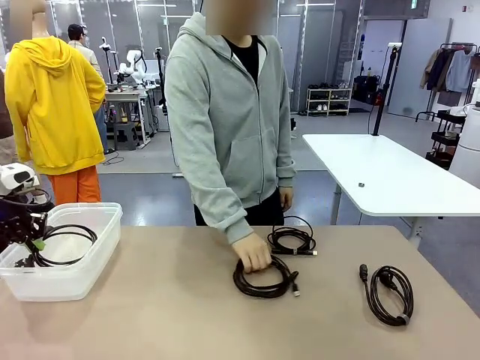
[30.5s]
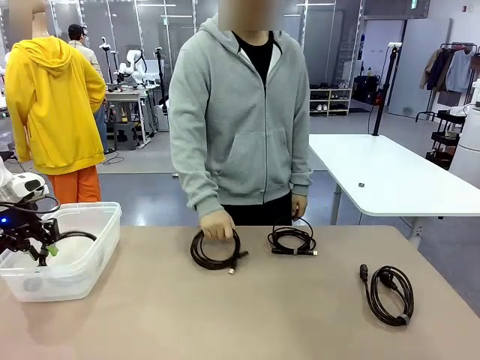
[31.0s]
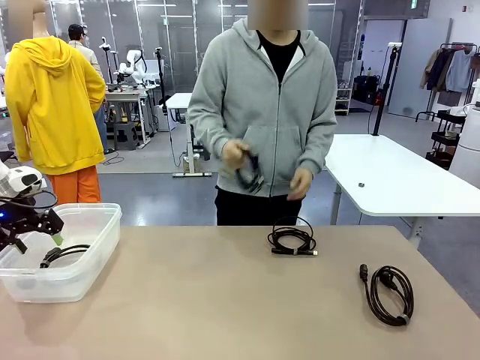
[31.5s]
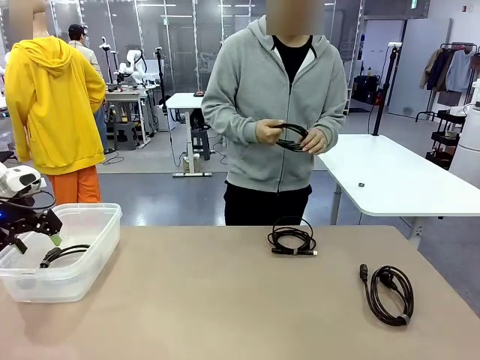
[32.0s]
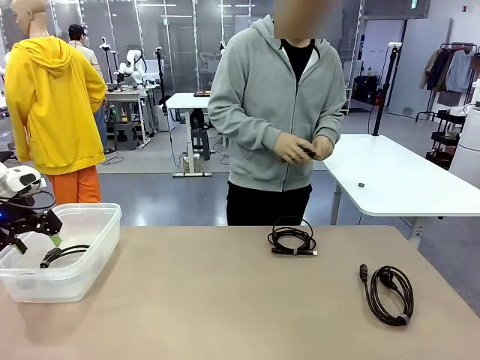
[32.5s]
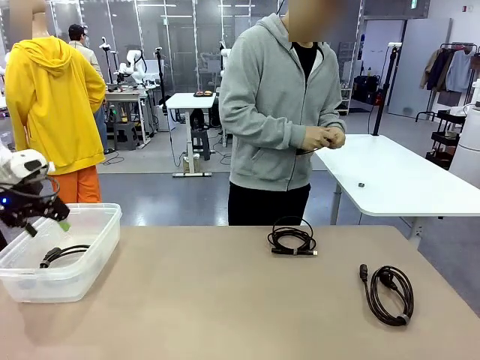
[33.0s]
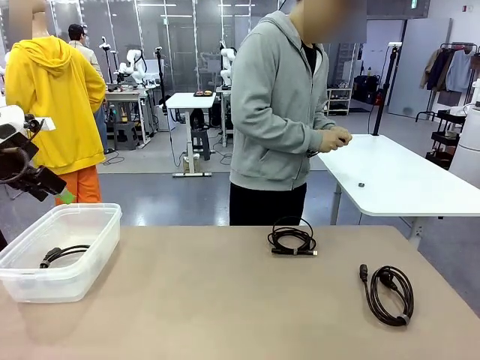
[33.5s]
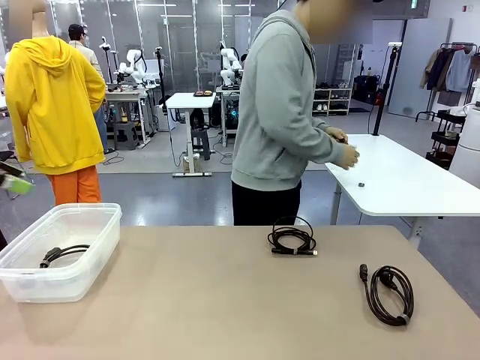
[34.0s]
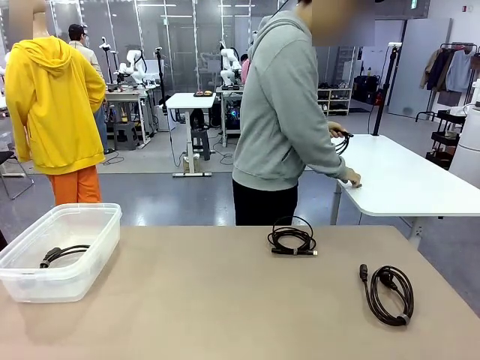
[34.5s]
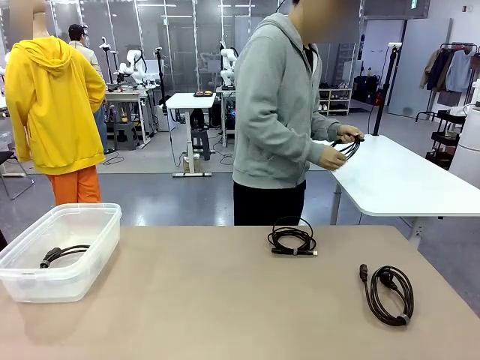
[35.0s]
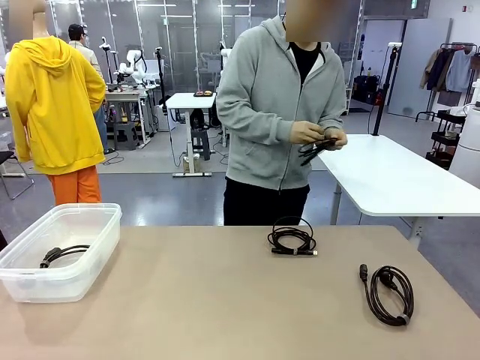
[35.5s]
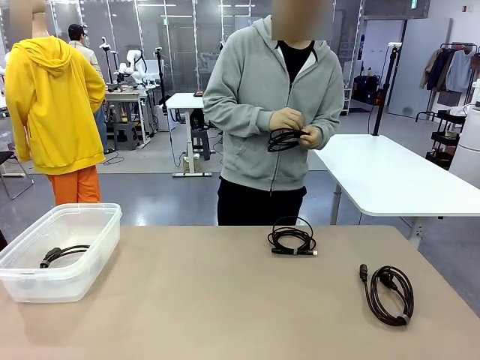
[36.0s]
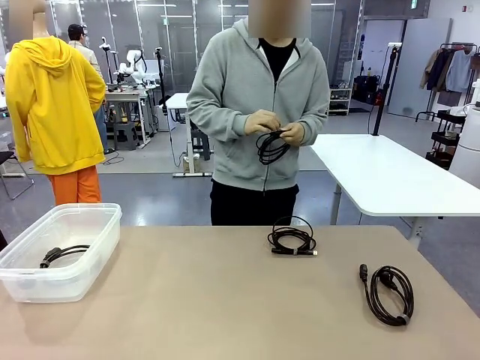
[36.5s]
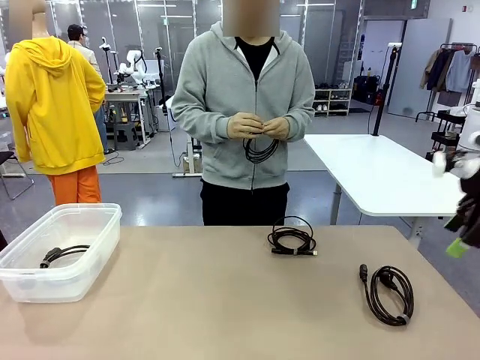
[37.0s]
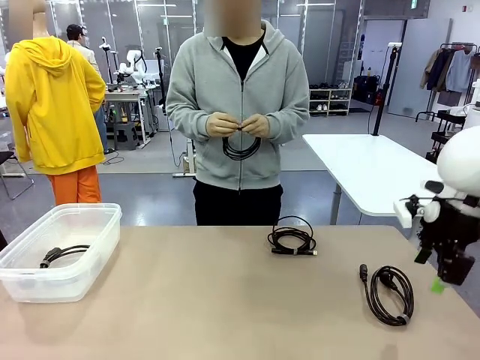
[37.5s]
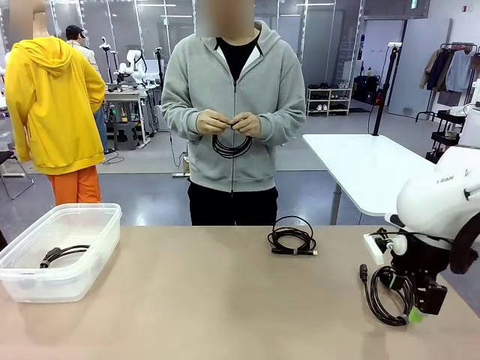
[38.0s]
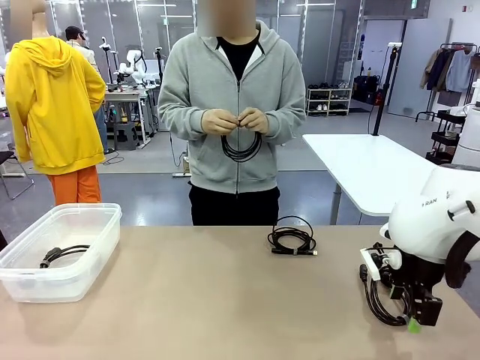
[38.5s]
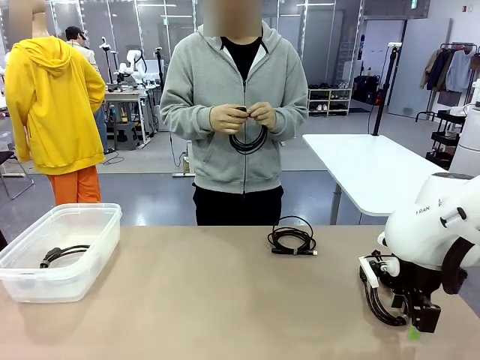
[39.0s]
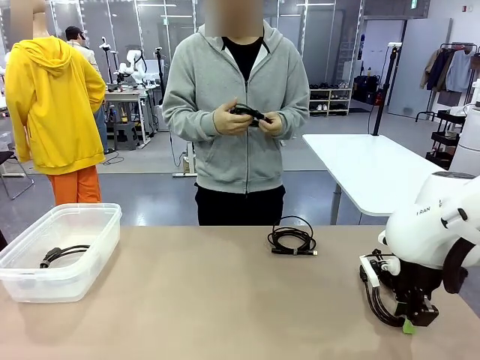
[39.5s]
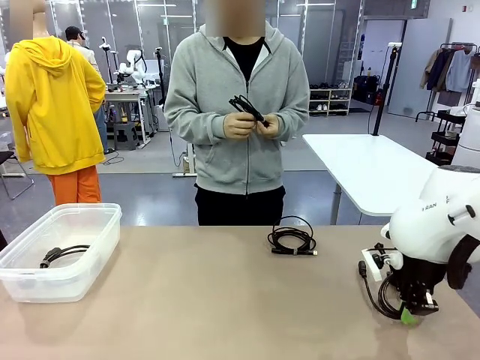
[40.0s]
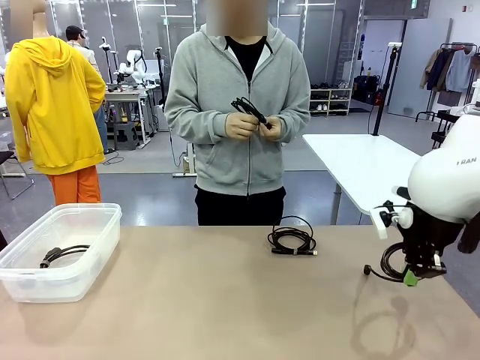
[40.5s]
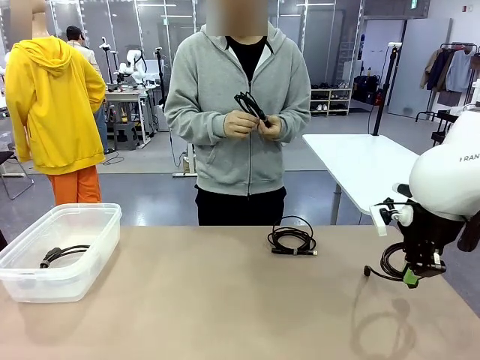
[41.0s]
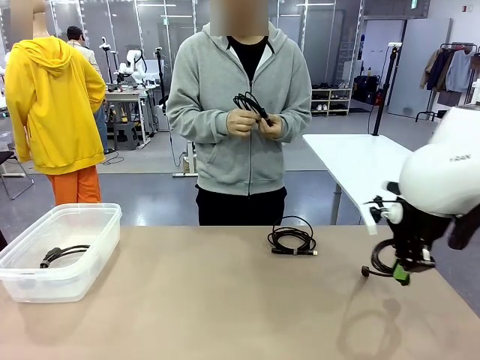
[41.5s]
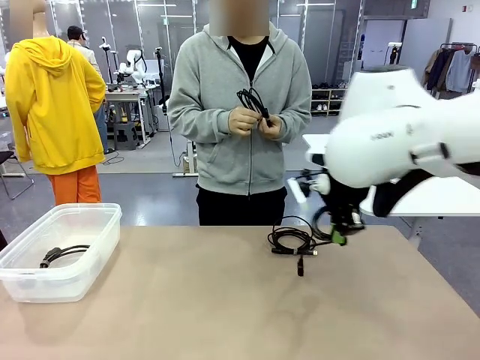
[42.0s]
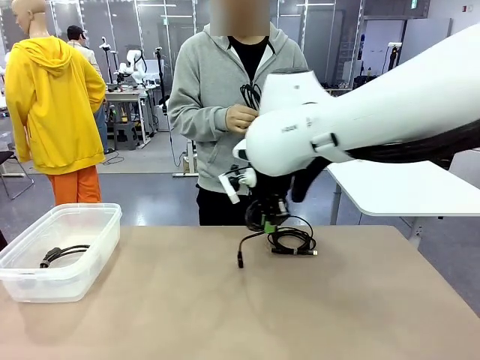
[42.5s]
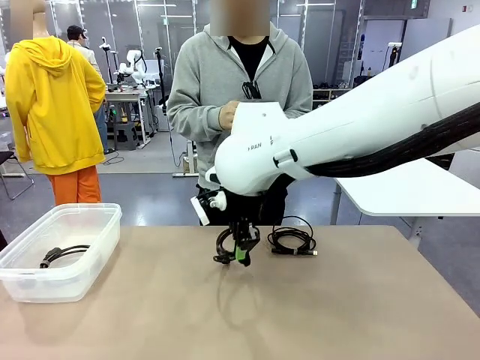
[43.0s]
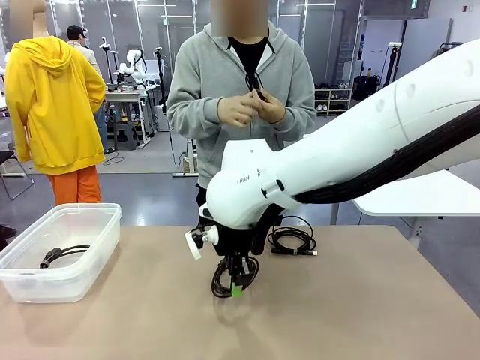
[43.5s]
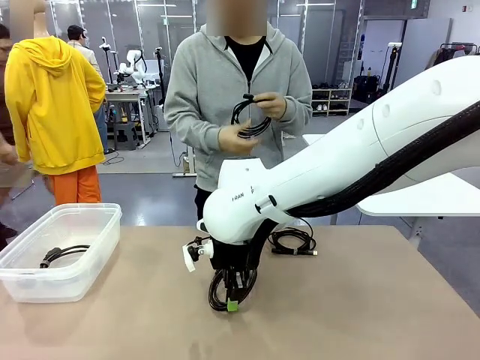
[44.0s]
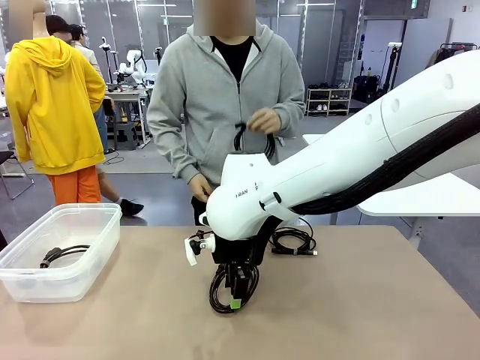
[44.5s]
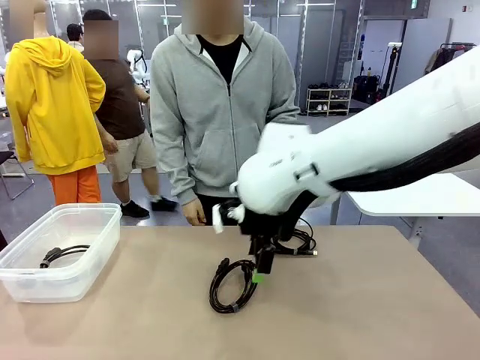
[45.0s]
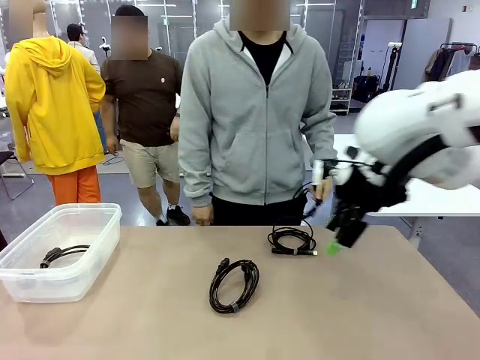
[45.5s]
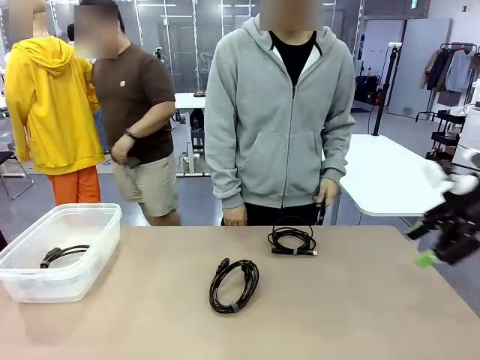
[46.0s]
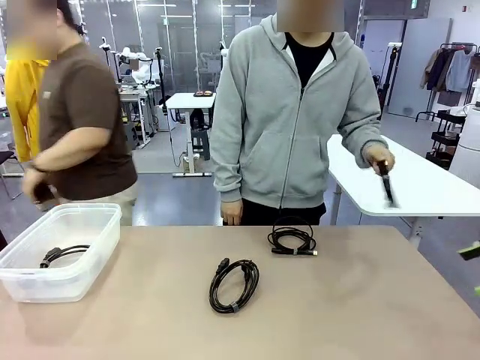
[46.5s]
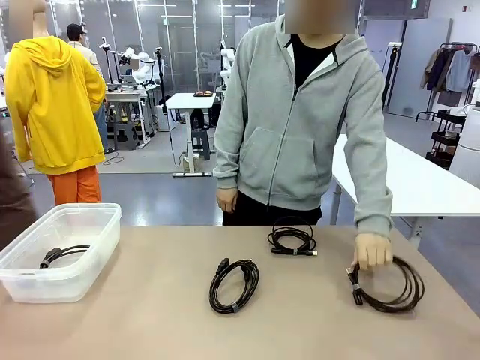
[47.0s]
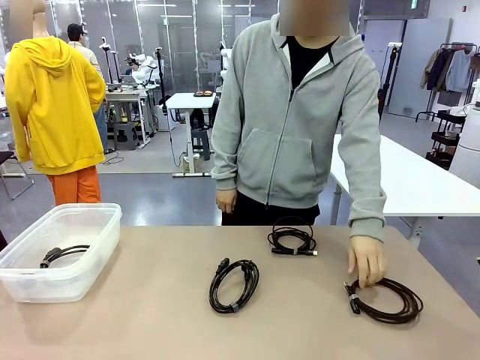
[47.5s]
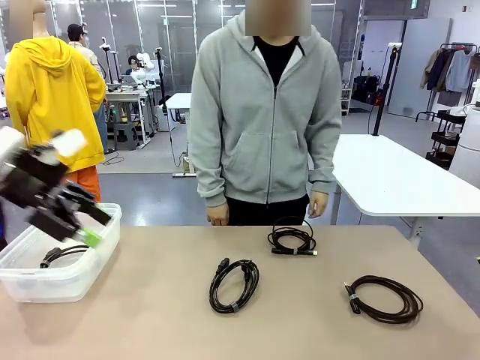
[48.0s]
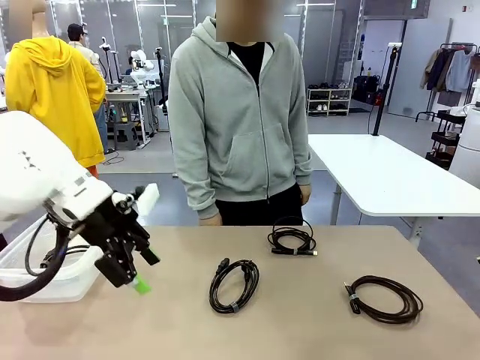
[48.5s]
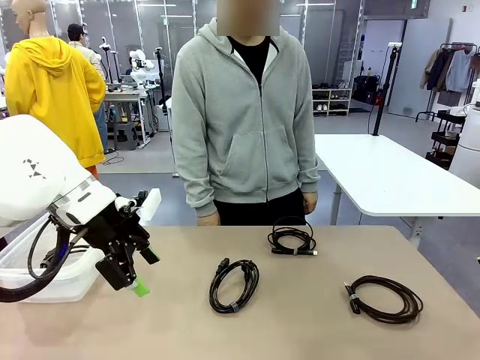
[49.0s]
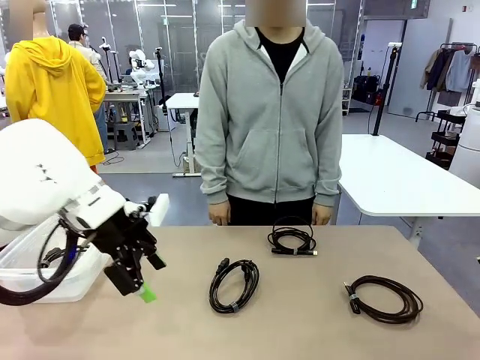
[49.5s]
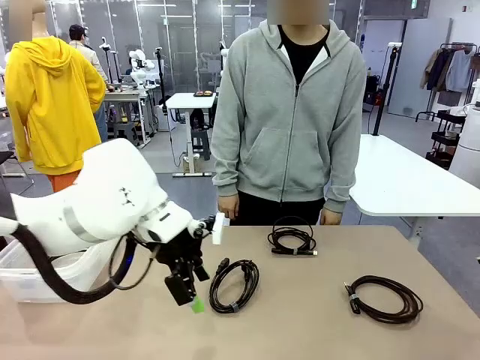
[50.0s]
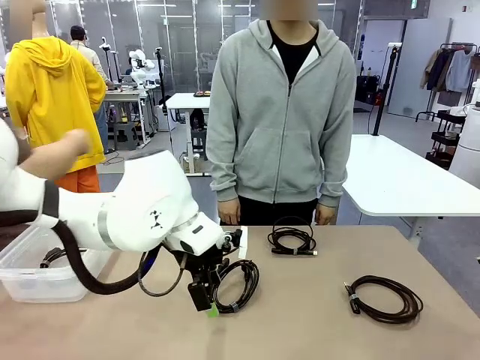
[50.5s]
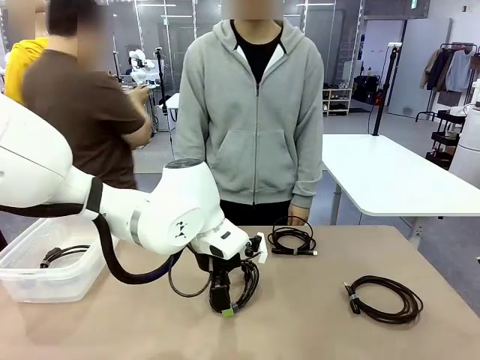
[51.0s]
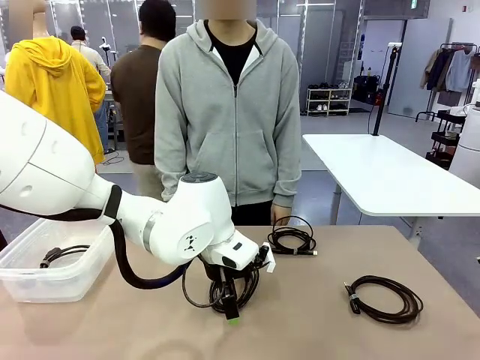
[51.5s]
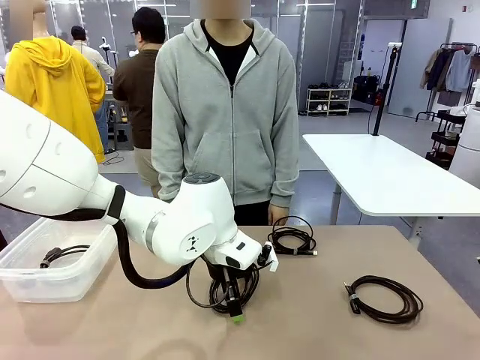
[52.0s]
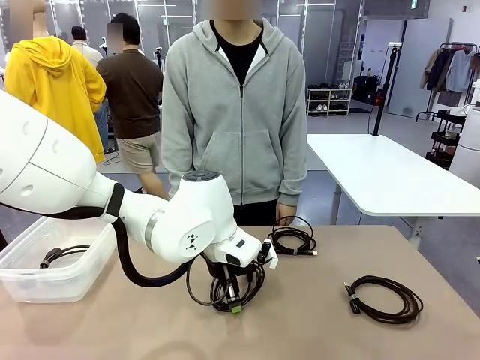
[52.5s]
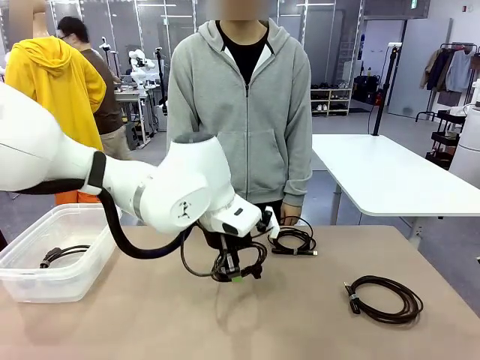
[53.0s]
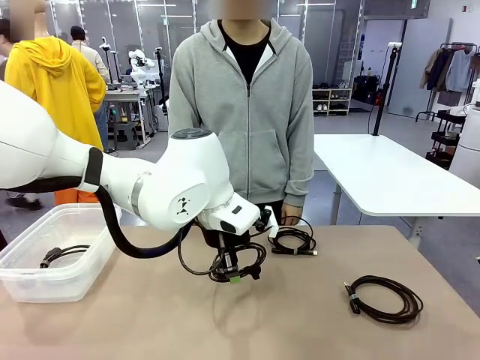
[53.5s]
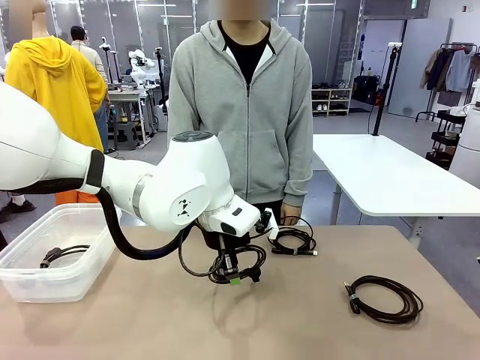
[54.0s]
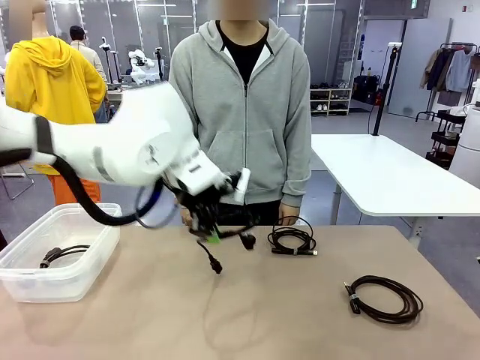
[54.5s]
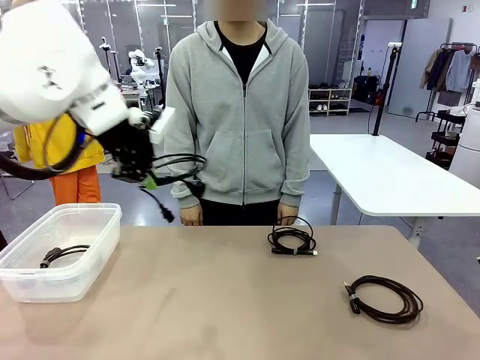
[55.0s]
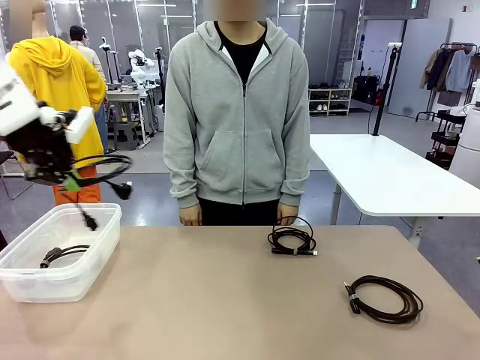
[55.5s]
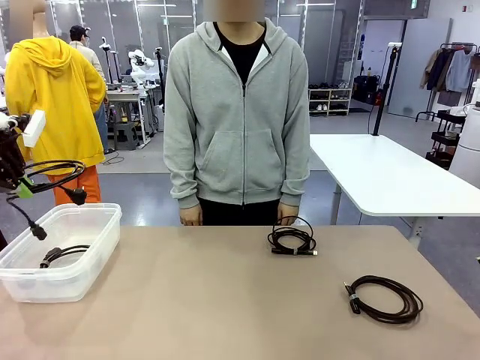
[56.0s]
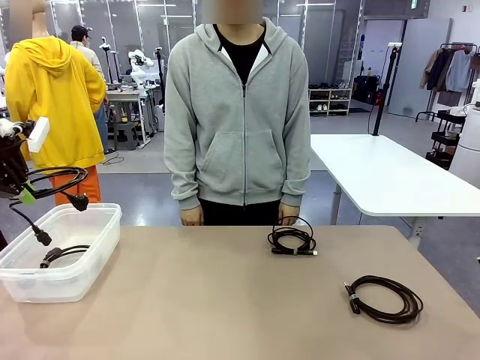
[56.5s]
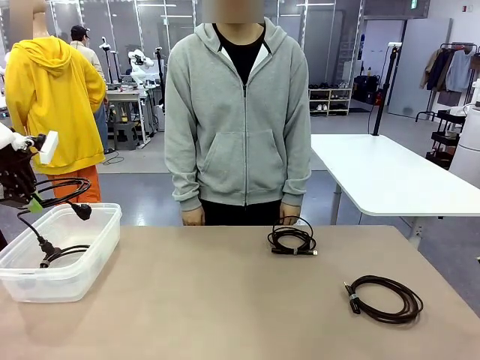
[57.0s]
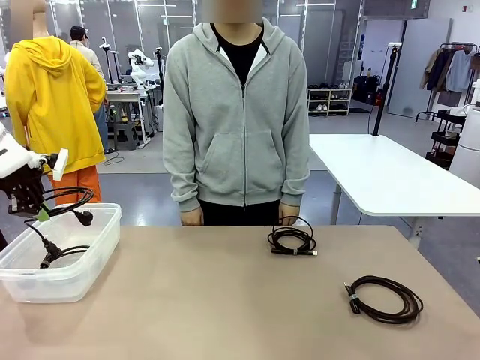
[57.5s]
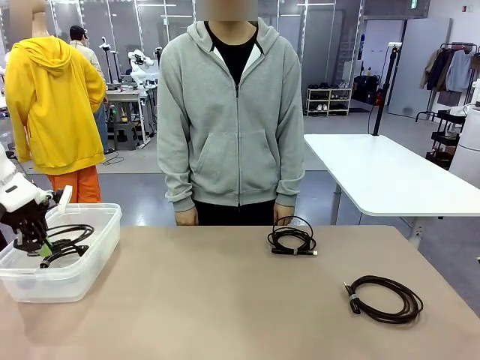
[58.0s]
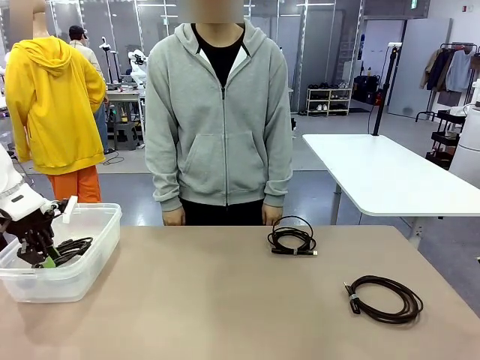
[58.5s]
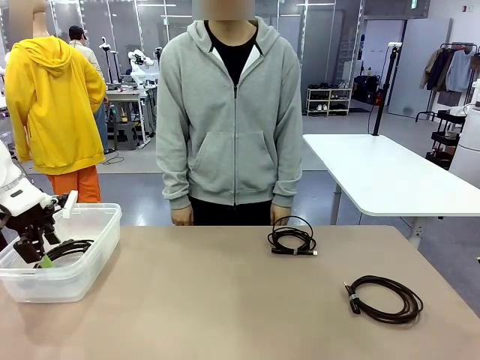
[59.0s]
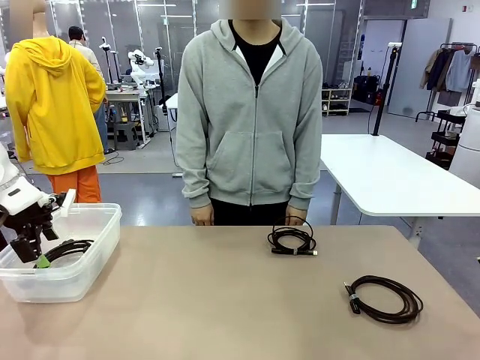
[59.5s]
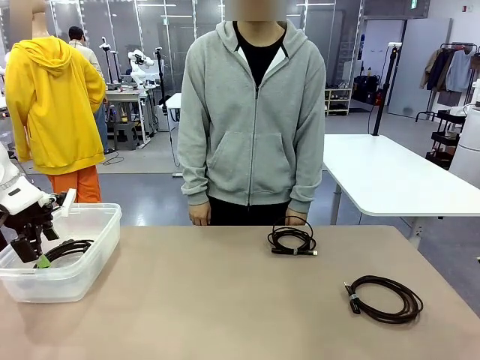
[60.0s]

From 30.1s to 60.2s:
Task: Organize and store the cables.
Robot: Place the Power Cable into the Organizing box.
